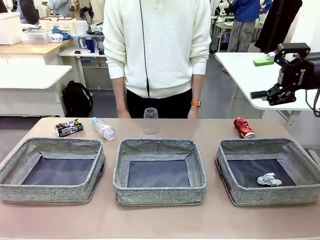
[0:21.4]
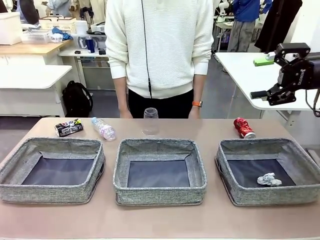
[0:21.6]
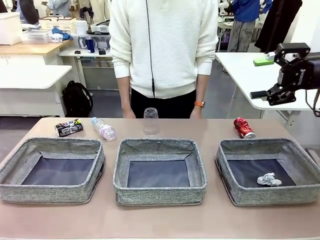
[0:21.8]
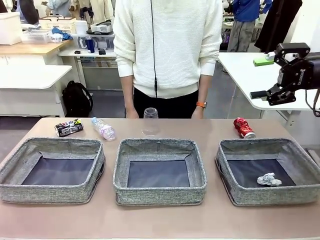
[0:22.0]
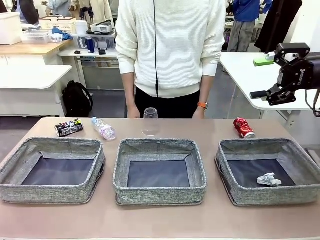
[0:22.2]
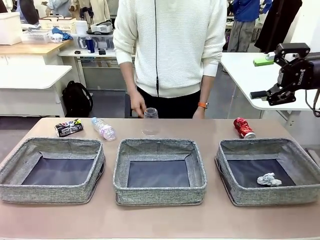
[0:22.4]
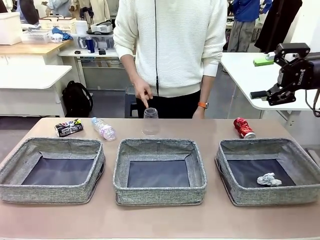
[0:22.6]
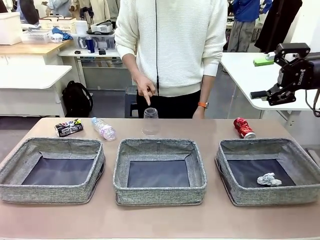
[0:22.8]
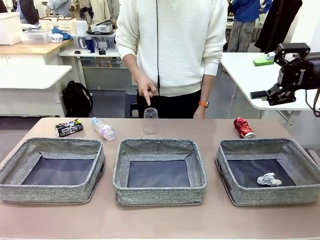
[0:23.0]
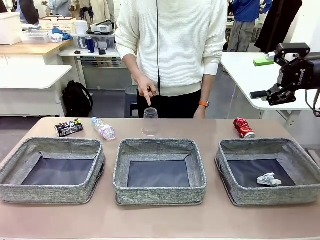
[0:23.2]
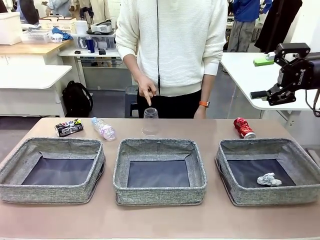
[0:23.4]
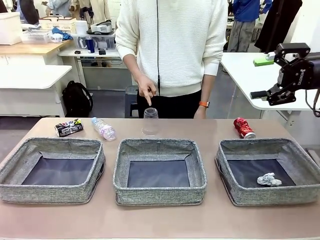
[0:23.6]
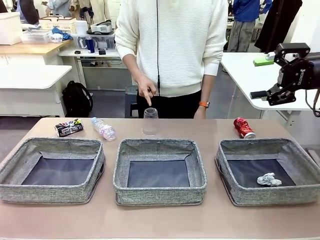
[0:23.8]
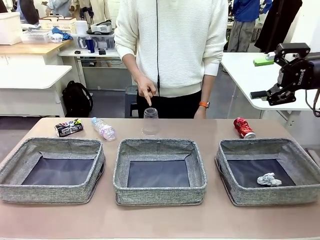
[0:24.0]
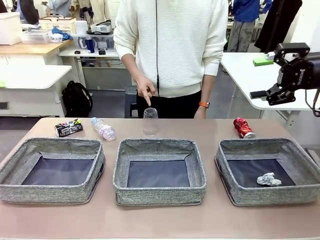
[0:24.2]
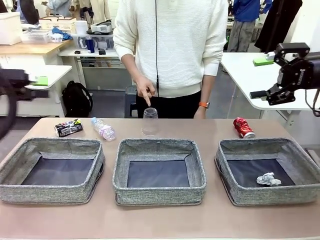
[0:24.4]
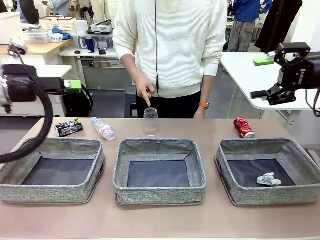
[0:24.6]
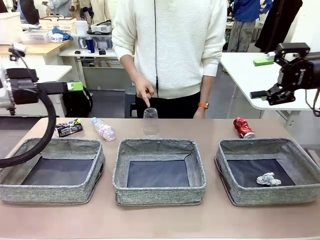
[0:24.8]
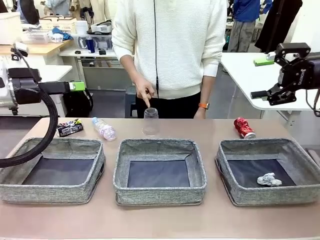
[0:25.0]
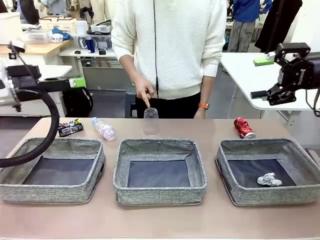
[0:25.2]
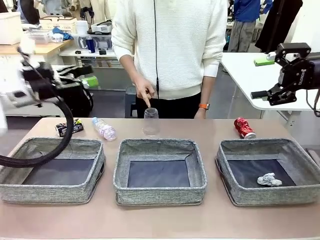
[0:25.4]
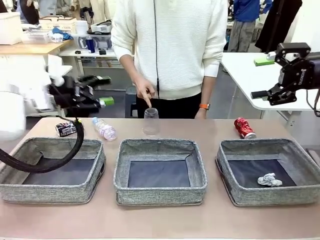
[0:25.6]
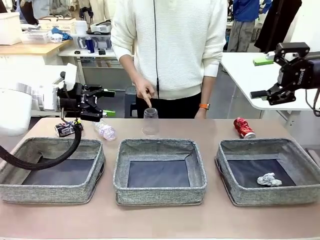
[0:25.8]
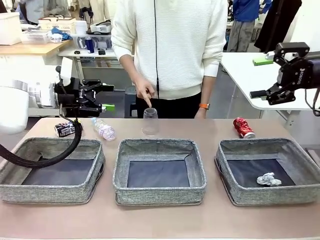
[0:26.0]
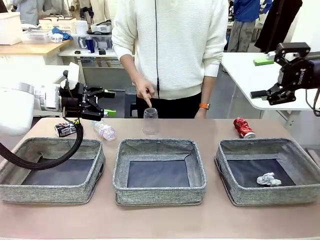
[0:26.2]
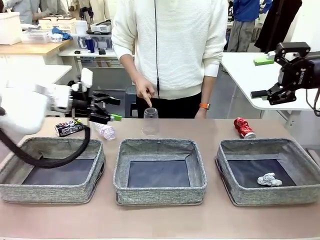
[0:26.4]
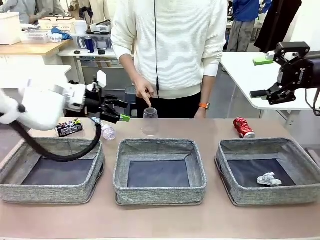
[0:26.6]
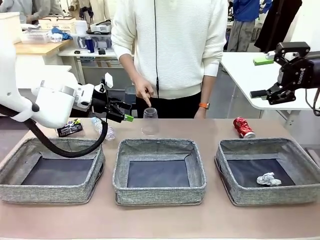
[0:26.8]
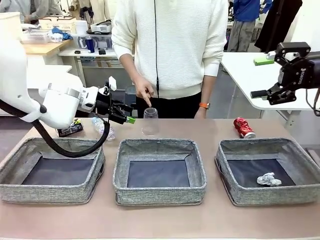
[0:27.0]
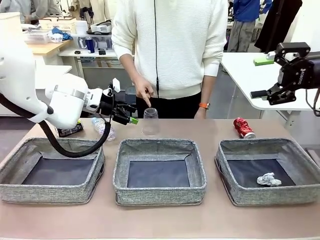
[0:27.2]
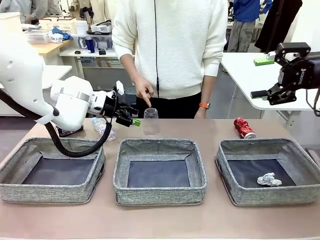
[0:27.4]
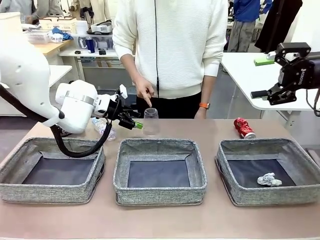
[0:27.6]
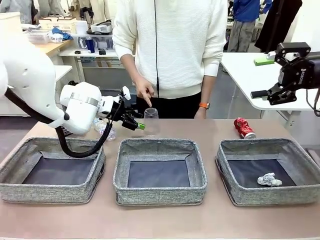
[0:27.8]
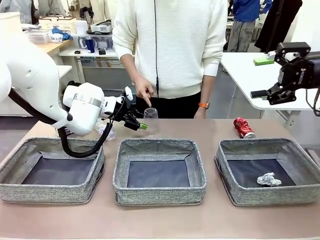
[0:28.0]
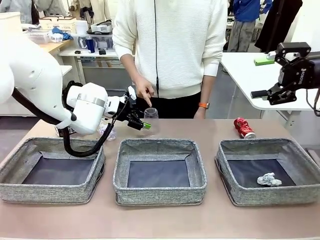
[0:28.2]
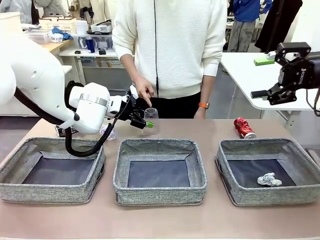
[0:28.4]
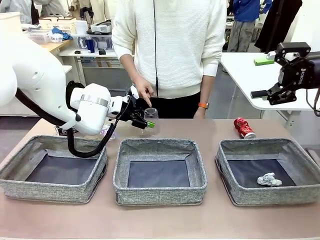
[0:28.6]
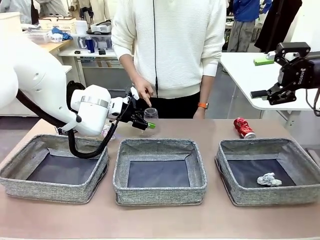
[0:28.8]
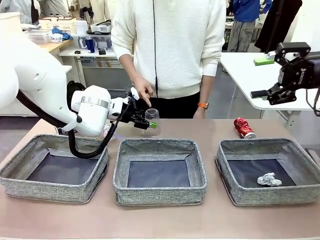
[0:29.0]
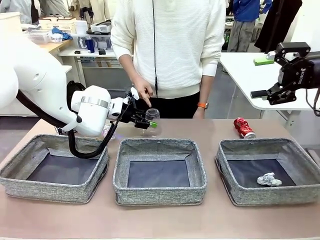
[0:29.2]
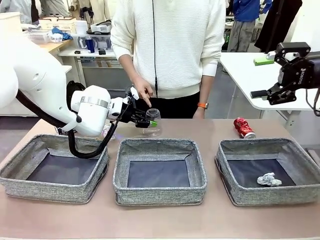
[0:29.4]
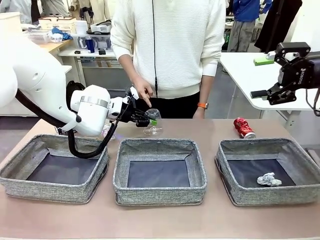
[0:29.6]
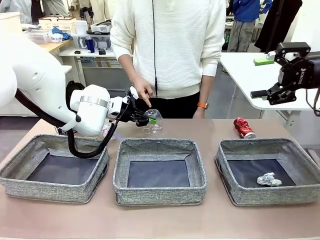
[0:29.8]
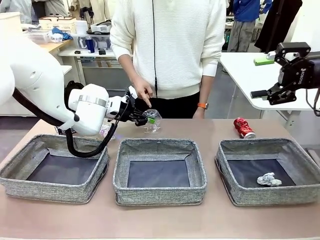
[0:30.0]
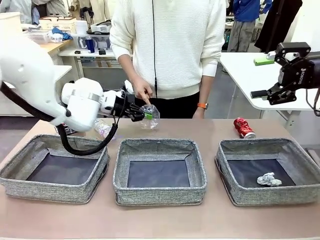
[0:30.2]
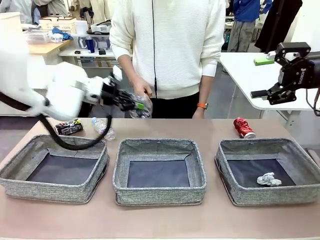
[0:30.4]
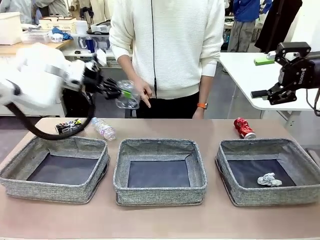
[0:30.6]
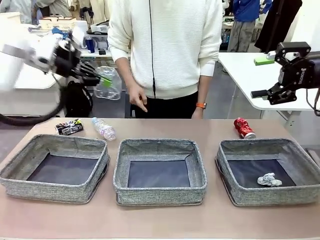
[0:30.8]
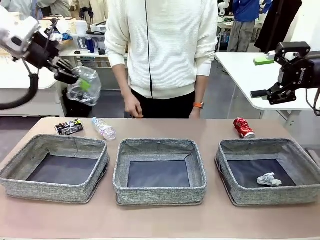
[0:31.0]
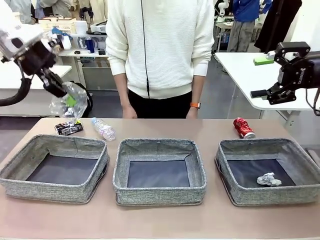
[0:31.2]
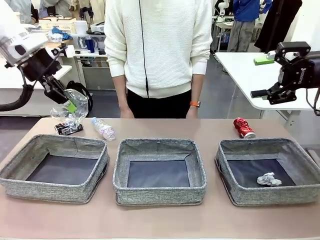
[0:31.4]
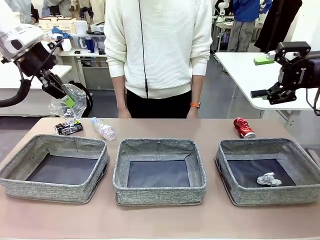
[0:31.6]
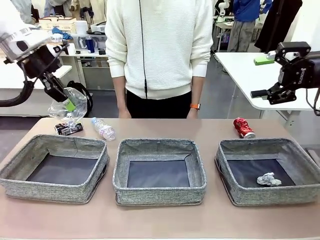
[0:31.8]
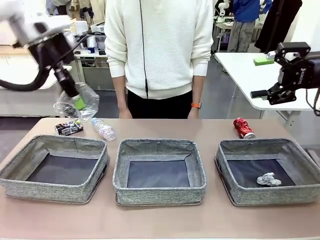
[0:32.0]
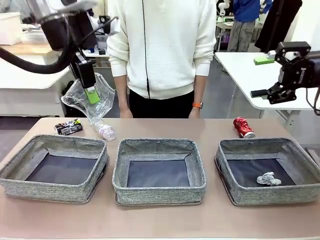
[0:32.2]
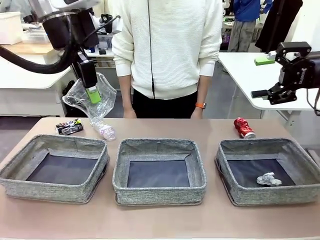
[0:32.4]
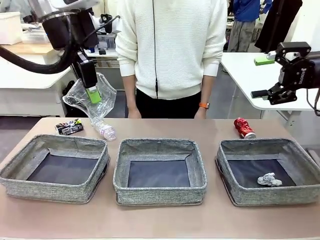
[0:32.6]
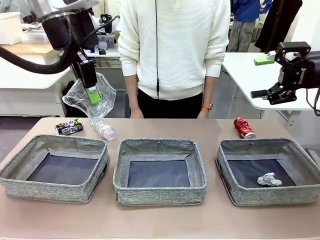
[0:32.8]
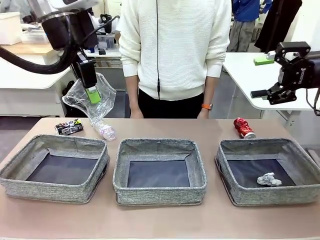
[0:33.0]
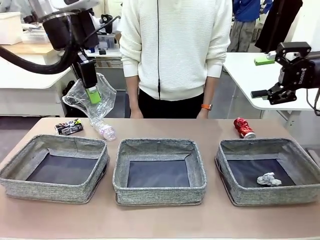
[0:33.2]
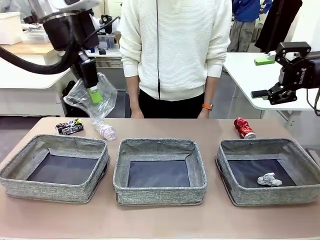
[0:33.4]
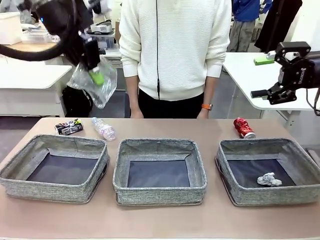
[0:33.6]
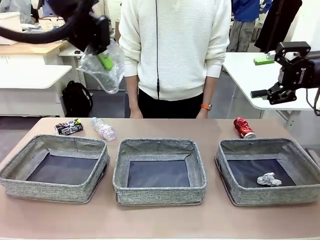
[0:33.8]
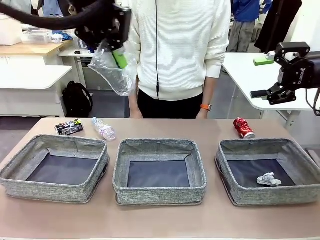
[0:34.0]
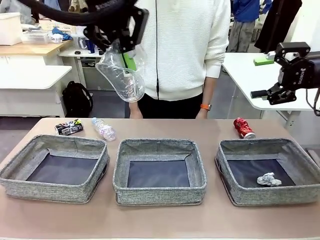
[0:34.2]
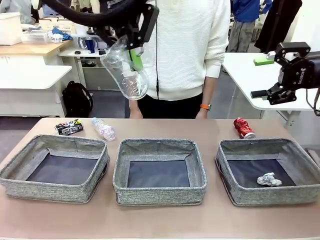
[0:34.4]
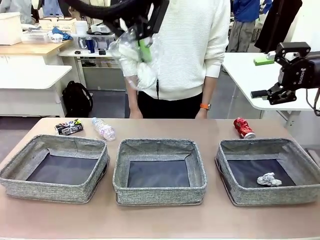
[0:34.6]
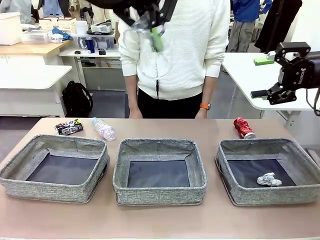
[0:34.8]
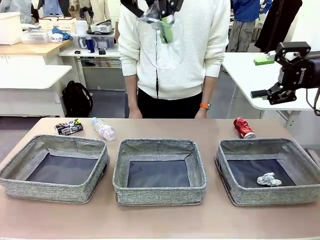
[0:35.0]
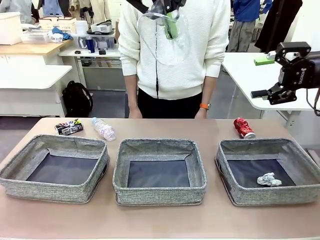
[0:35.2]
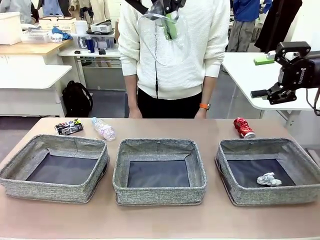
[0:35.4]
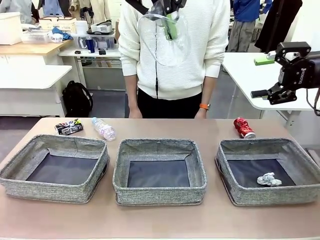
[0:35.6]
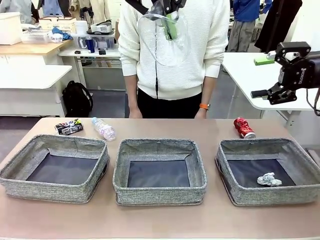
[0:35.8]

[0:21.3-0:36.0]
Task: Sort the waste into the appropriate baskets.
Robot: Pick up the waste item pointed out by the person.
Person: Points to one piece of trash on the table.

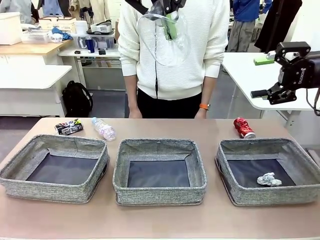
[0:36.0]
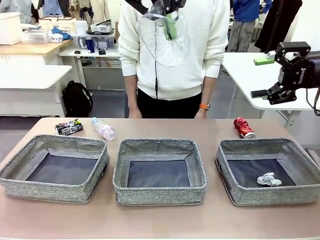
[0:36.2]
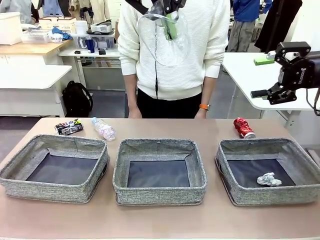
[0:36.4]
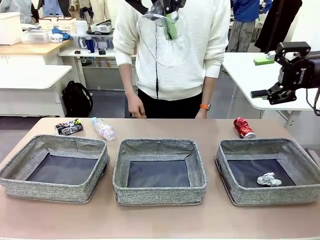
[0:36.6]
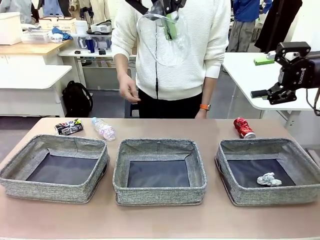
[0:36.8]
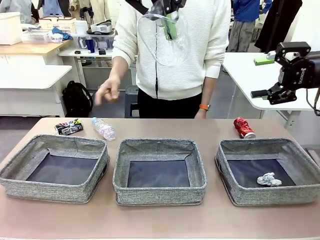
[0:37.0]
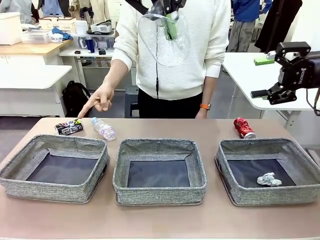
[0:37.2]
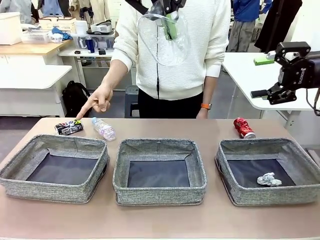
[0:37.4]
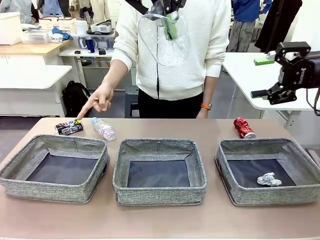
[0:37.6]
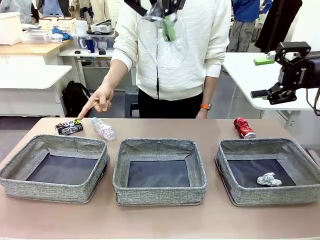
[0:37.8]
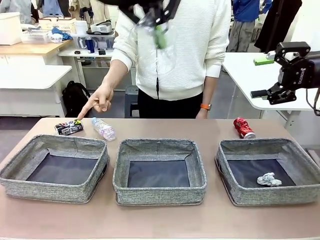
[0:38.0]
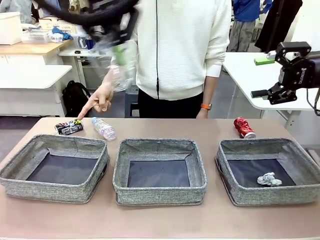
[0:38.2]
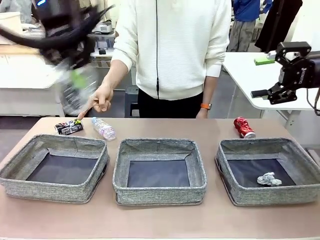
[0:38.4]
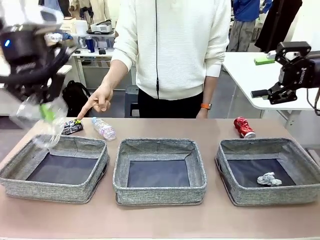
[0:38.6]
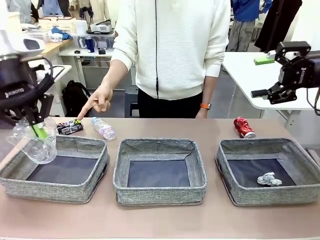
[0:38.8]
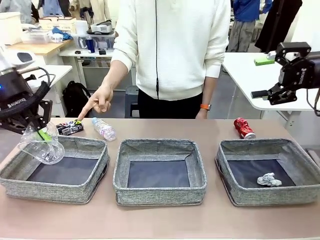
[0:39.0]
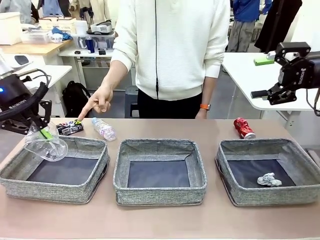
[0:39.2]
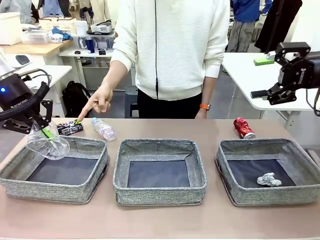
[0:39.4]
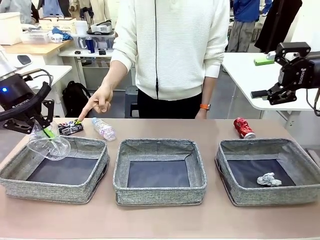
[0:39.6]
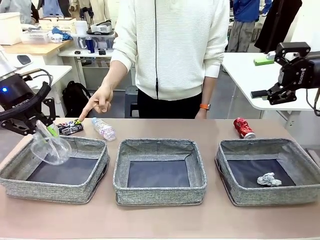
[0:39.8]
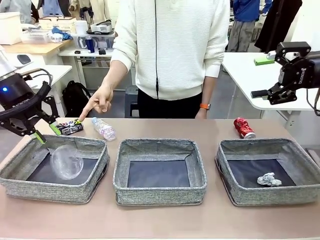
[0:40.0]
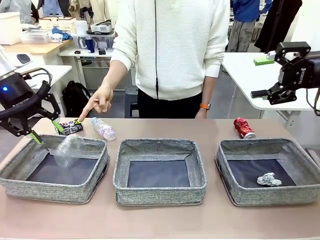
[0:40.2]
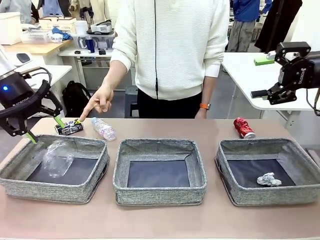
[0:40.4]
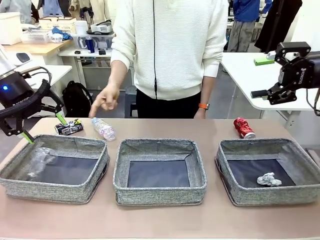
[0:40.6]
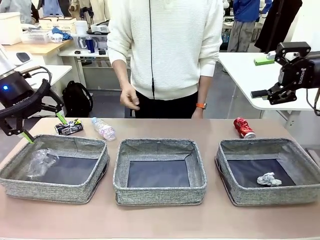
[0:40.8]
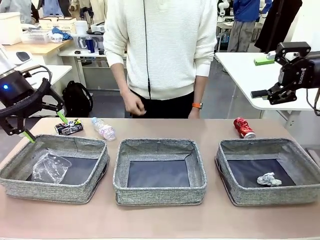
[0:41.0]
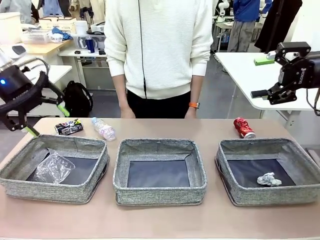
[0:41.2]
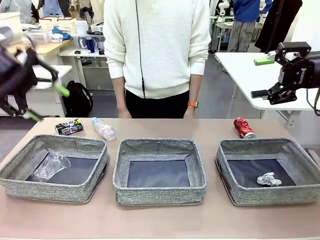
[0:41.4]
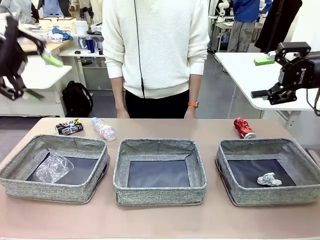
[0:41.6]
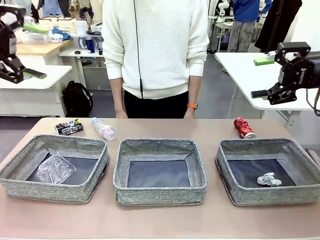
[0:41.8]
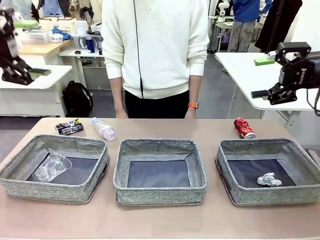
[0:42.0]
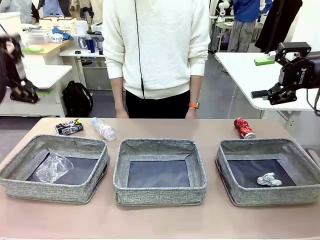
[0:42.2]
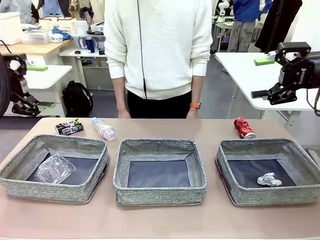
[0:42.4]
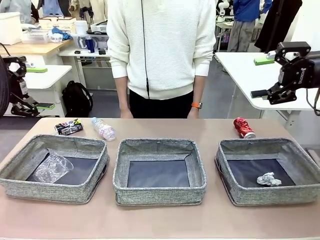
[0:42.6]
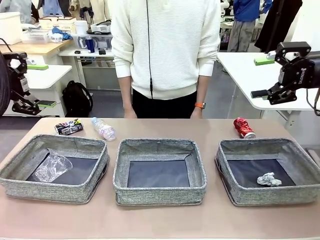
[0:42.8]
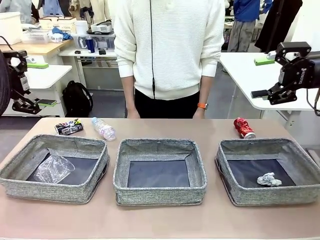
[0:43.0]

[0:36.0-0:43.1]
Robot: Place the picked waste into the Fabric basket indicated by the person.
Person: Instructs the robot to place the picked-up trash into the appropriate organizing basket.
